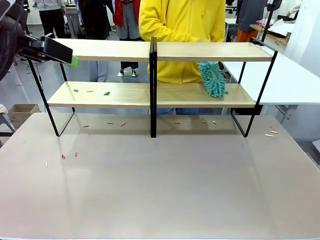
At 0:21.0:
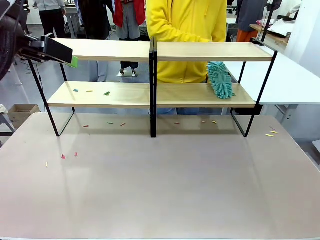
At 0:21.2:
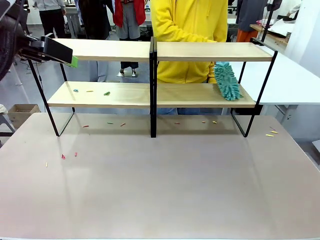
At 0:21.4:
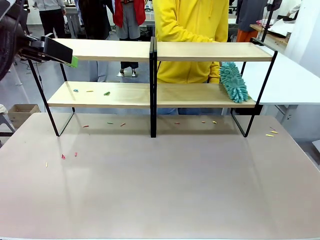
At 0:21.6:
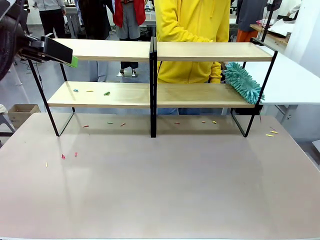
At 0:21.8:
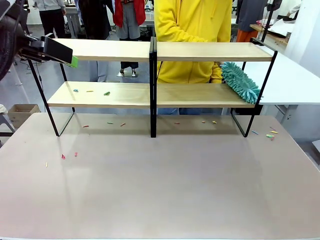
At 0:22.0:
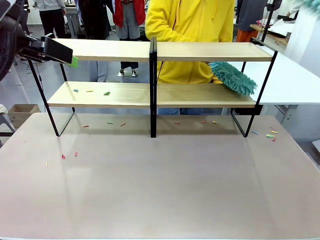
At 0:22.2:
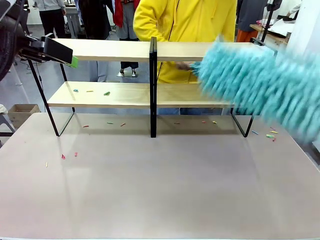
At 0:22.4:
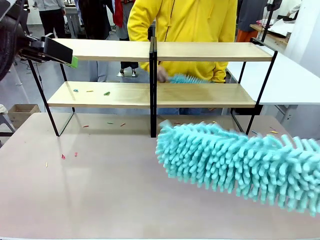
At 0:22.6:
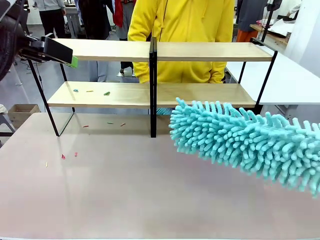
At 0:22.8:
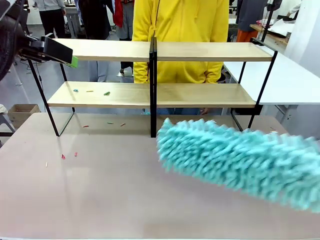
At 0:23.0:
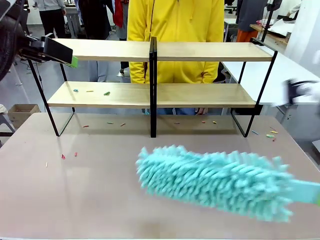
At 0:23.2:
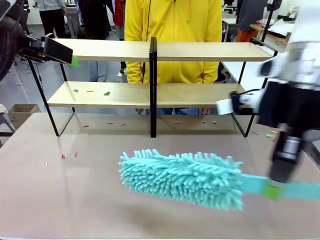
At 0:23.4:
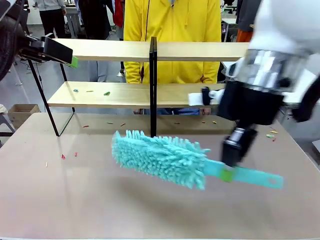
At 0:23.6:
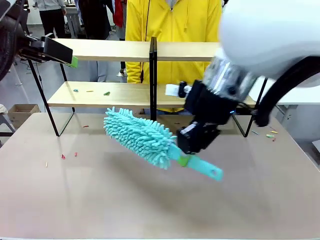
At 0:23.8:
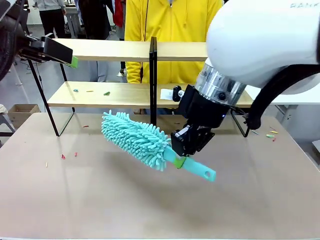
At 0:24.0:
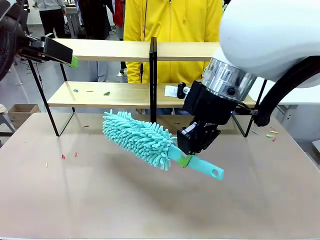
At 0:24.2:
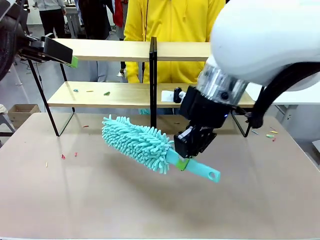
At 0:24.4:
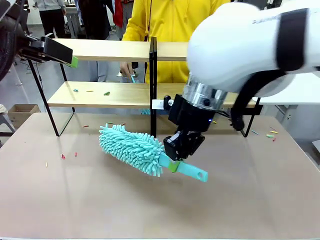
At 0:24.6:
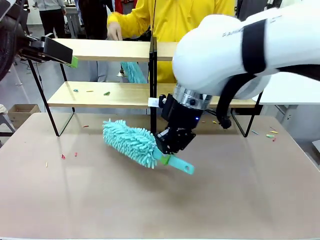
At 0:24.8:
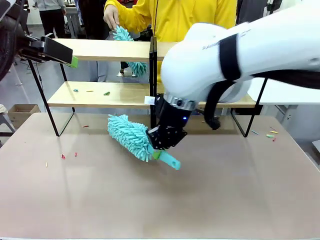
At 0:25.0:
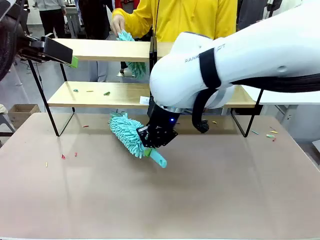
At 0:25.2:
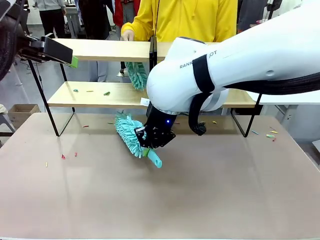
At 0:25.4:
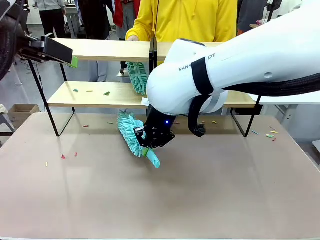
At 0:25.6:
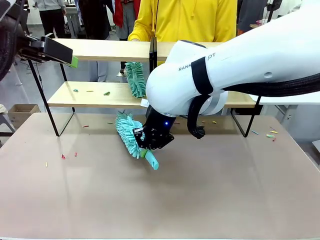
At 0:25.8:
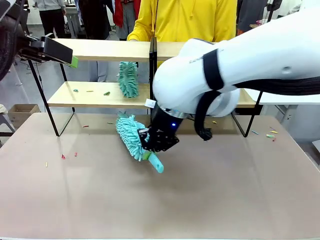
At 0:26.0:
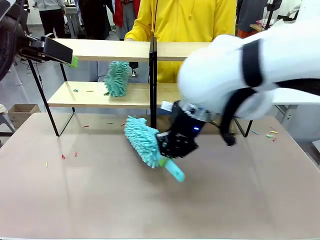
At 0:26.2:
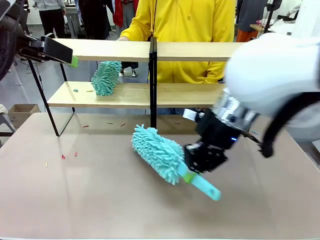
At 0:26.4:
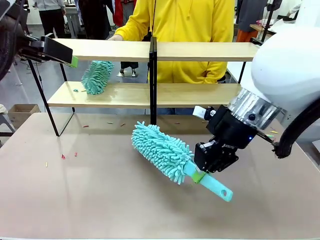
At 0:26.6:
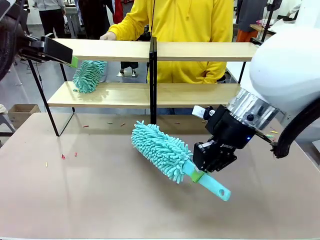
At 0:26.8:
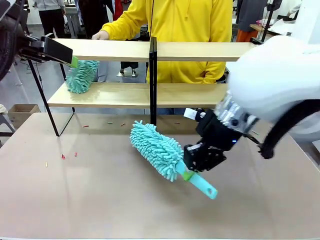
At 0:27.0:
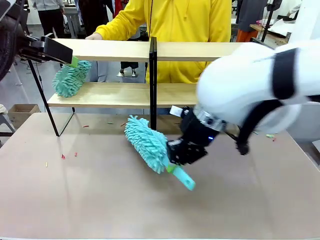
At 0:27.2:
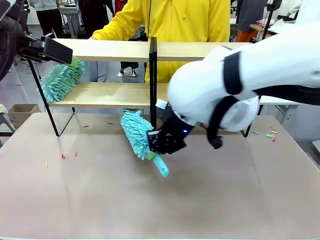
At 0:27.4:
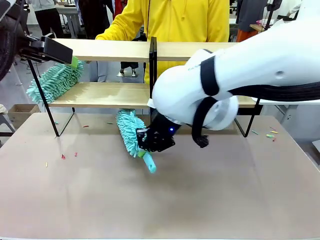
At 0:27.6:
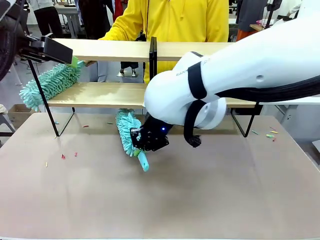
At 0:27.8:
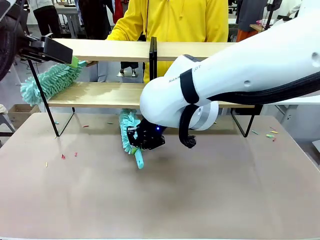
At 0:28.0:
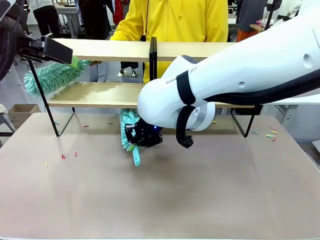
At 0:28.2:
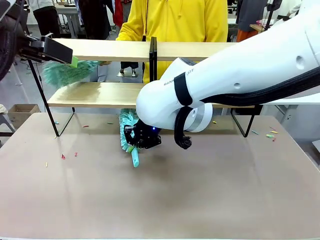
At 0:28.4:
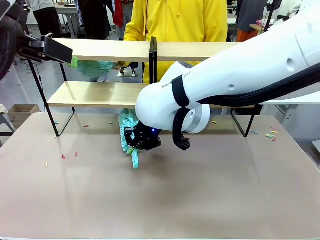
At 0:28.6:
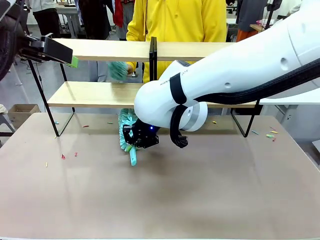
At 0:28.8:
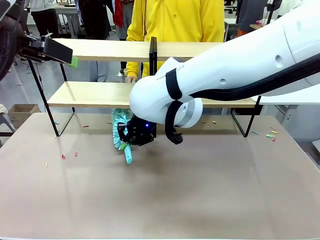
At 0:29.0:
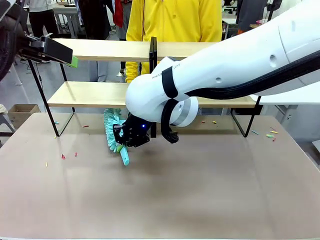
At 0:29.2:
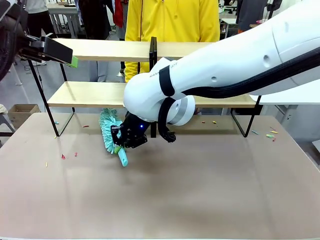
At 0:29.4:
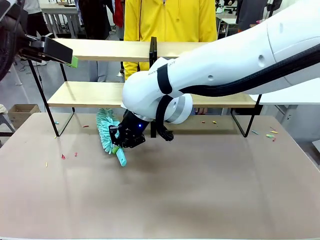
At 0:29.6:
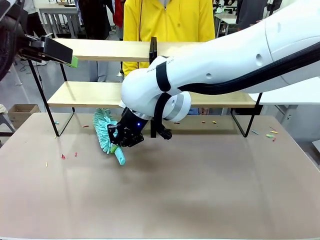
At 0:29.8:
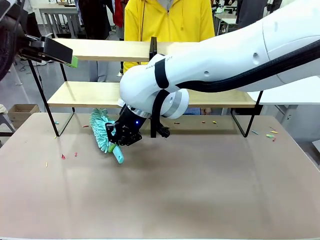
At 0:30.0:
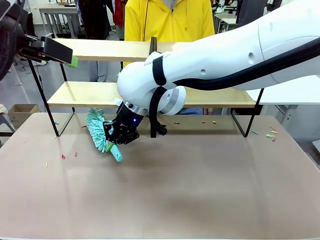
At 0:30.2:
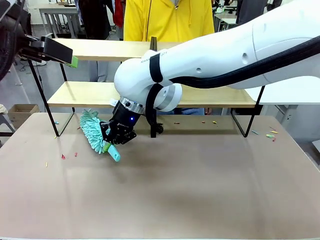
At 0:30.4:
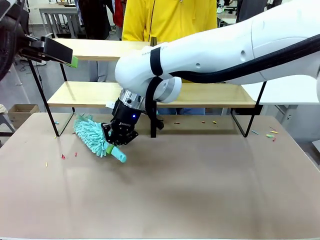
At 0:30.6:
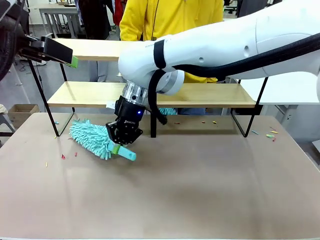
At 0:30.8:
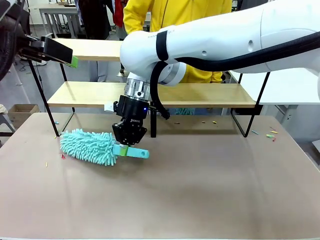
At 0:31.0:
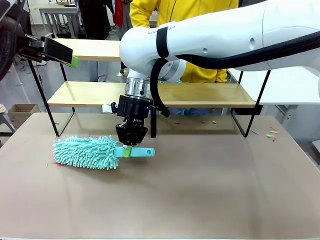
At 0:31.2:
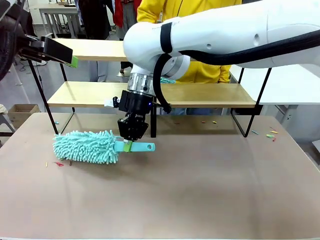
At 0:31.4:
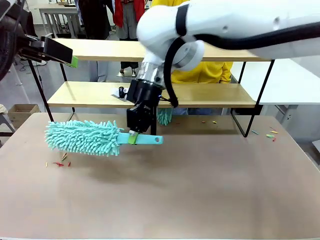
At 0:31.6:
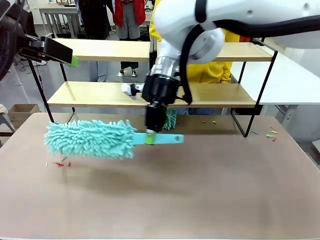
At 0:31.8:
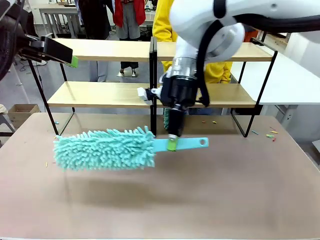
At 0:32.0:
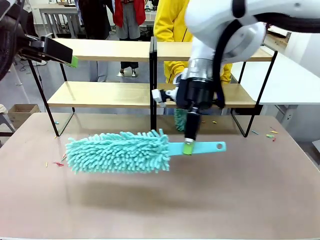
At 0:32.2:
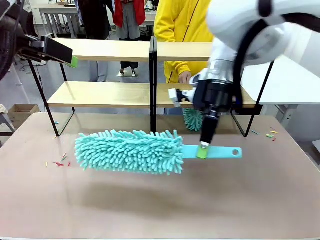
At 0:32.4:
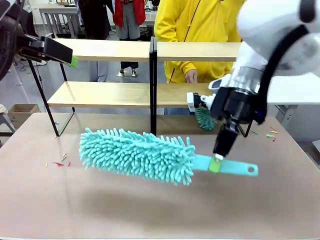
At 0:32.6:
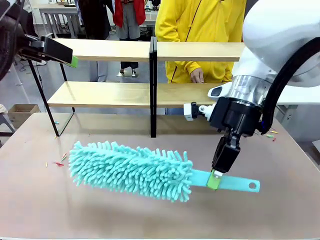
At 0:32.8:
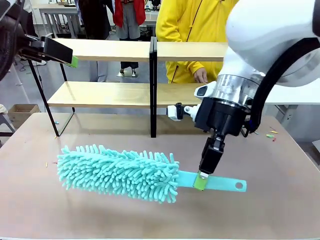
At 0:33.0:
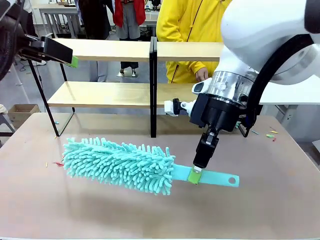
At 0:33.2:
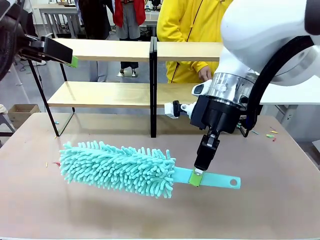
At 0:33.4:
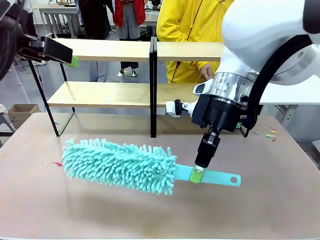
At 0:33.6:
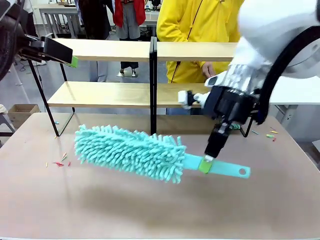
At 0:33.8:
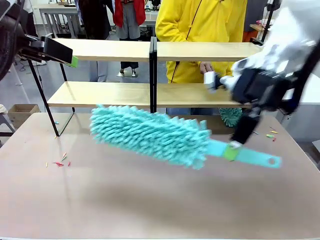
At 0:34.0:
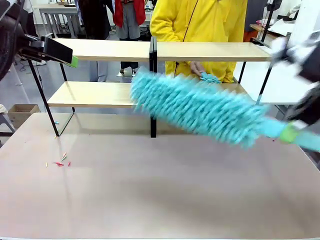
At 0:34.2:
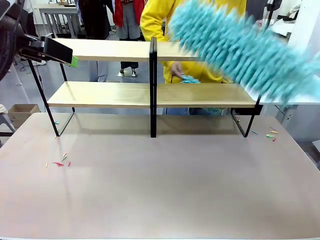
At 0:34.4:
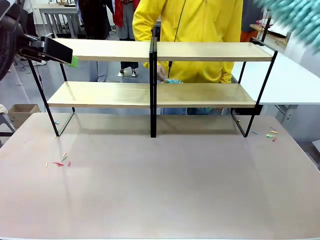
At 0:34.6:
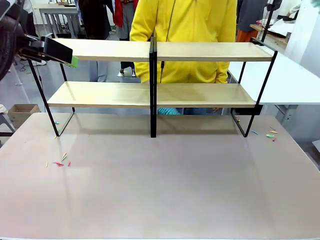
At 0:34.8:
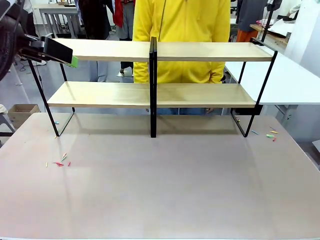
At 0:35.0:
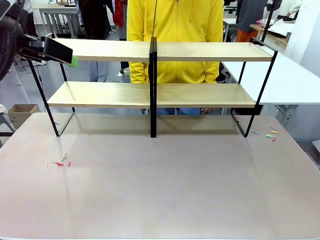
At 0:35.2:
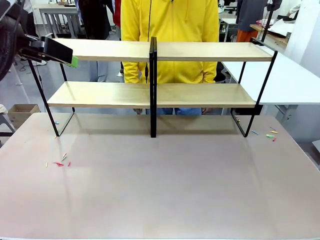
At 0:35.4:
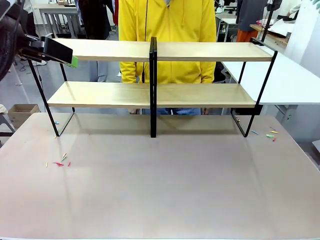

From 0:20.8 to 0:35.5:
Task: Clean the shelves.
Robot: Clean another randomly selected level of the Shelf with the Duster.
Person: Clean a randomly selected level of the Shelf with the Duster.

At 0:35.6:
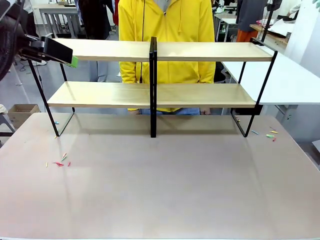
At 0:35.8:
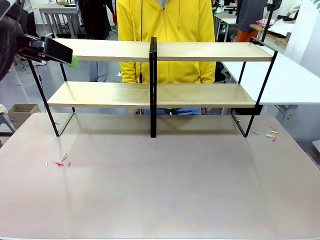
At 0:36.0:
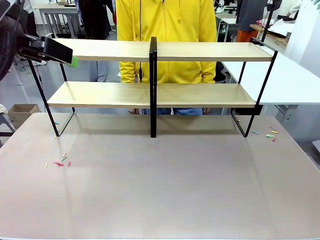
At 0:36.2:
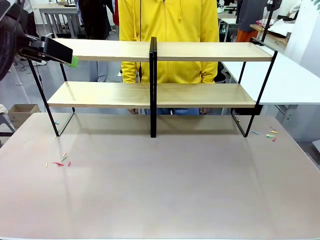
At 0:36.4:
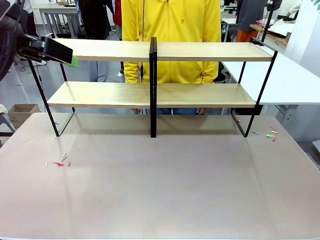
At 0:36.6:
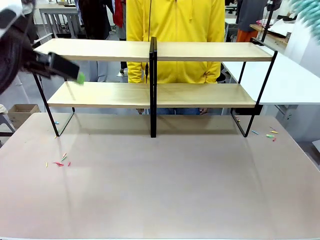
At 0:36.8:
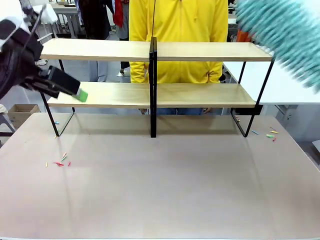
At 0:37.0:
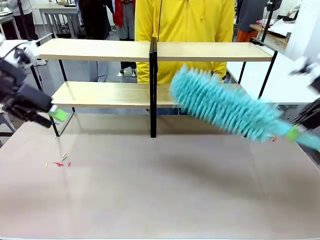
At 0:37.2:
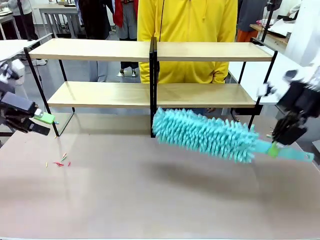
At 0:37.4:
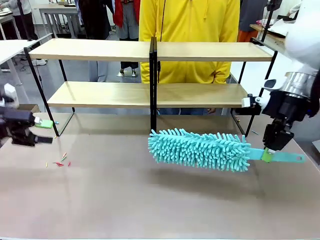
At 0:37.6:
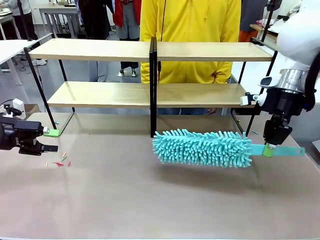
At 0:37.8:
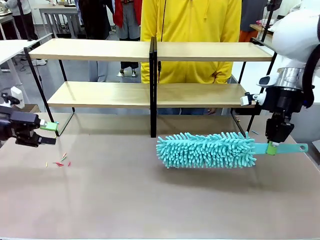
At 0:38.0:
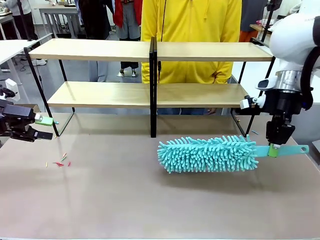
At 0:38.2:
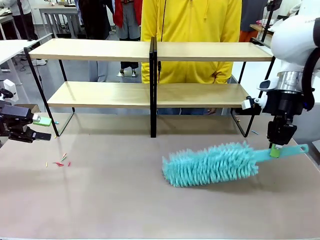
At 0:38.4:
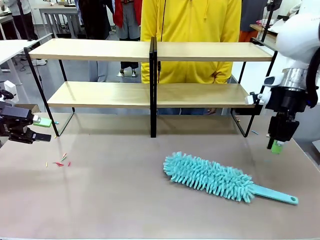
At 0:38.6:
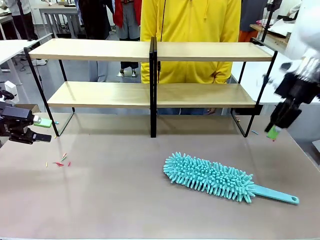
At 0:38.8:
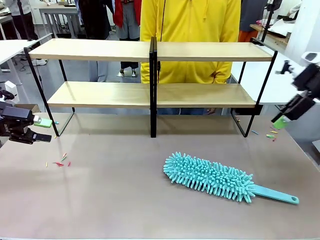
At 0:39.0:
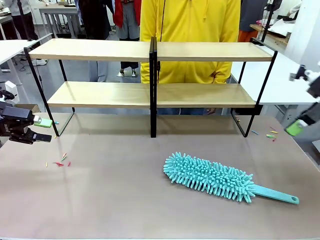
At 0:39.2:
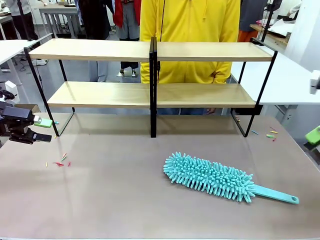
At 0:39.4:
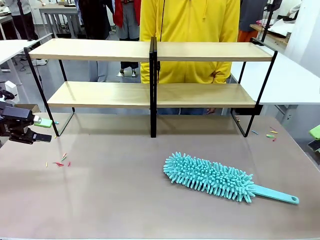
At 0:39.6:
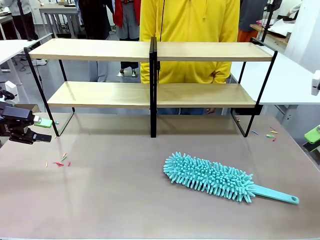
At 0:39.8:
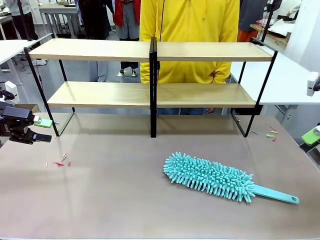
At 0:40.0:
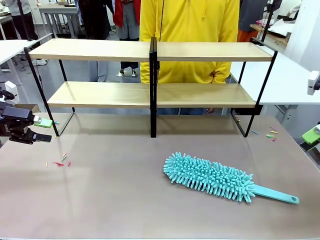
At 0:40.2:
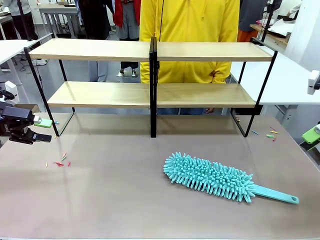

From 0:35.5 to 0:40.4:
Robot: Place the Duster on the table.
